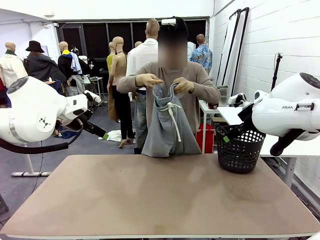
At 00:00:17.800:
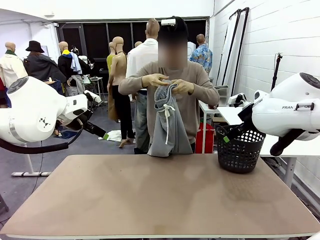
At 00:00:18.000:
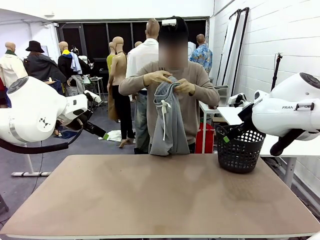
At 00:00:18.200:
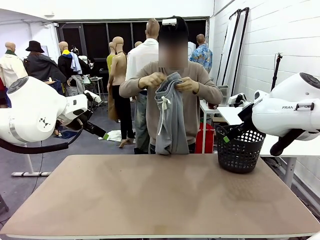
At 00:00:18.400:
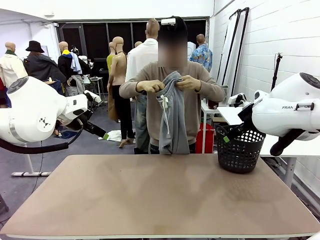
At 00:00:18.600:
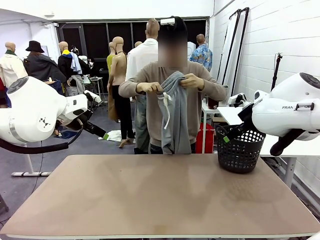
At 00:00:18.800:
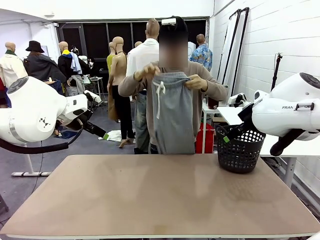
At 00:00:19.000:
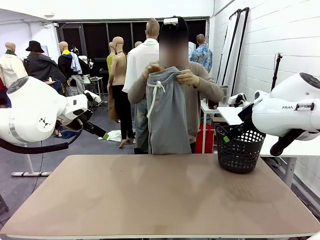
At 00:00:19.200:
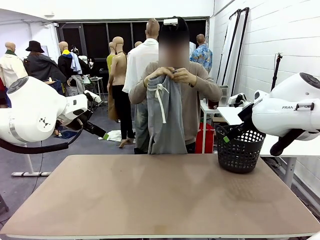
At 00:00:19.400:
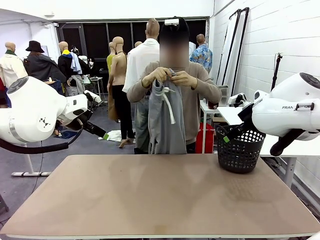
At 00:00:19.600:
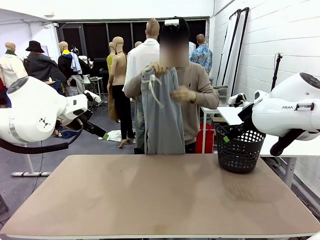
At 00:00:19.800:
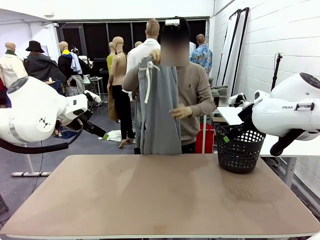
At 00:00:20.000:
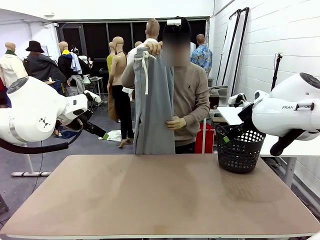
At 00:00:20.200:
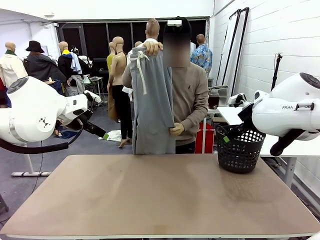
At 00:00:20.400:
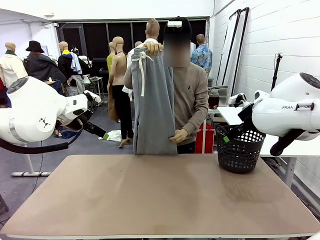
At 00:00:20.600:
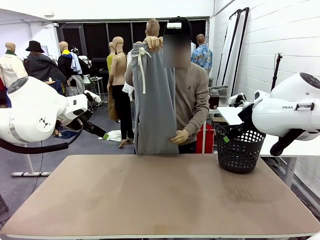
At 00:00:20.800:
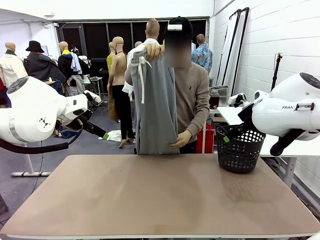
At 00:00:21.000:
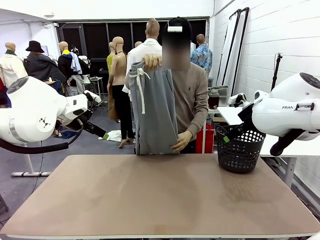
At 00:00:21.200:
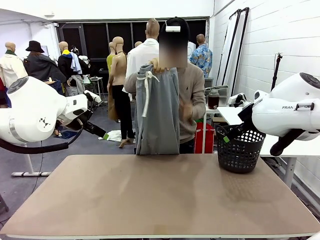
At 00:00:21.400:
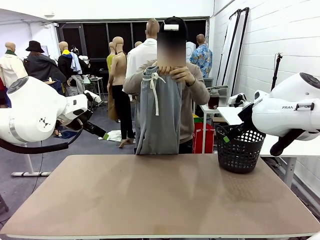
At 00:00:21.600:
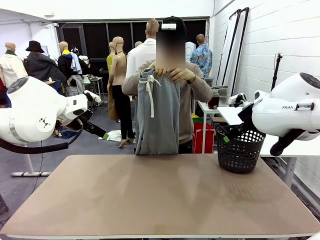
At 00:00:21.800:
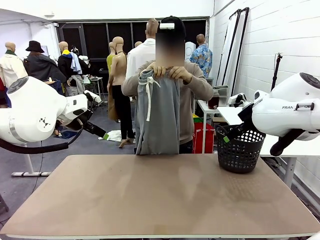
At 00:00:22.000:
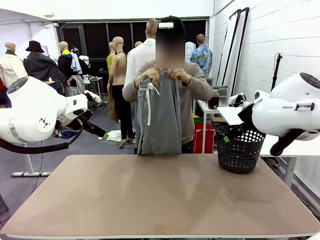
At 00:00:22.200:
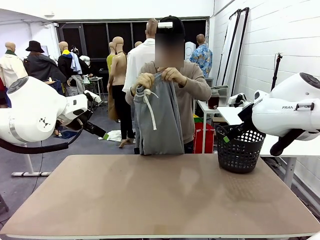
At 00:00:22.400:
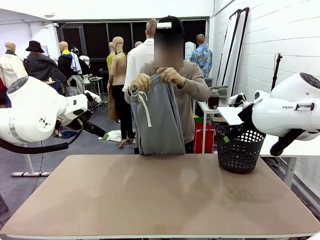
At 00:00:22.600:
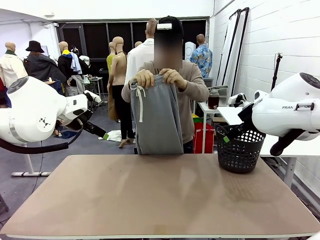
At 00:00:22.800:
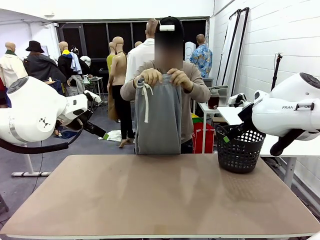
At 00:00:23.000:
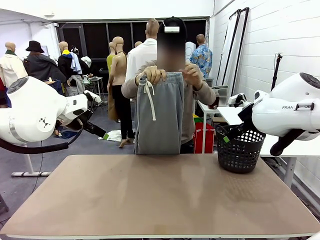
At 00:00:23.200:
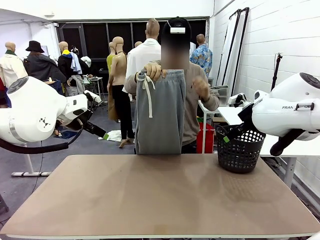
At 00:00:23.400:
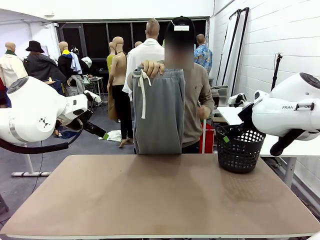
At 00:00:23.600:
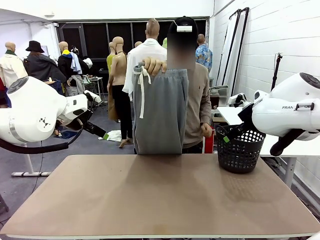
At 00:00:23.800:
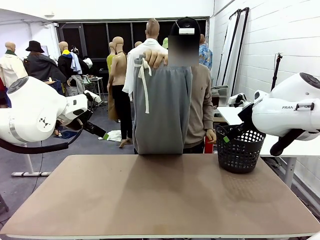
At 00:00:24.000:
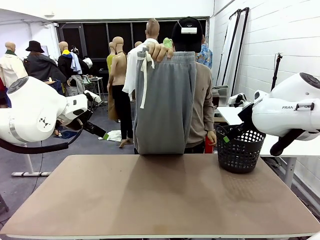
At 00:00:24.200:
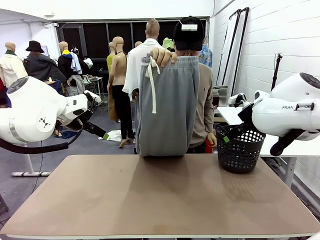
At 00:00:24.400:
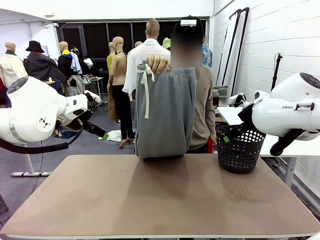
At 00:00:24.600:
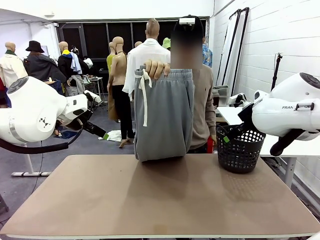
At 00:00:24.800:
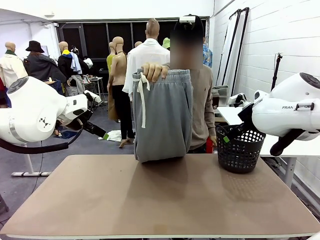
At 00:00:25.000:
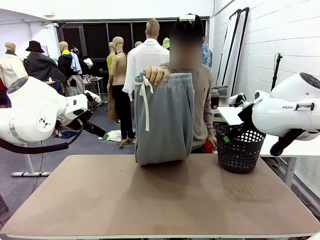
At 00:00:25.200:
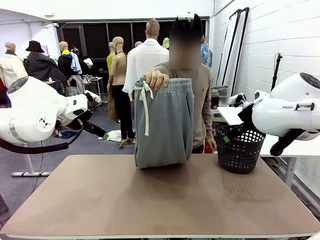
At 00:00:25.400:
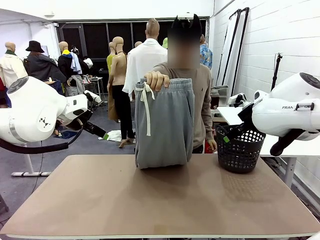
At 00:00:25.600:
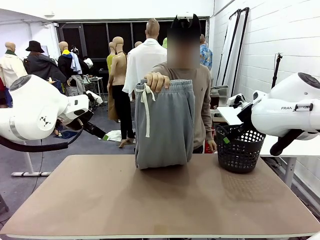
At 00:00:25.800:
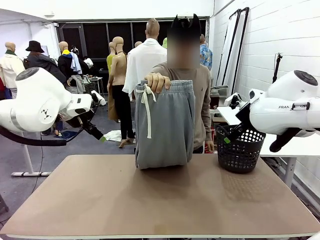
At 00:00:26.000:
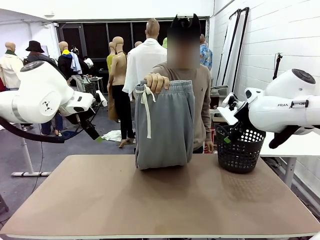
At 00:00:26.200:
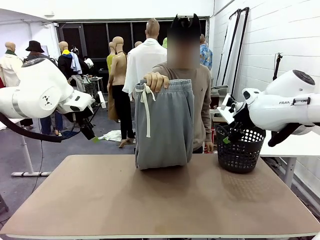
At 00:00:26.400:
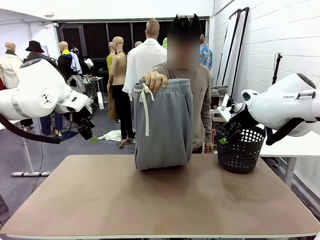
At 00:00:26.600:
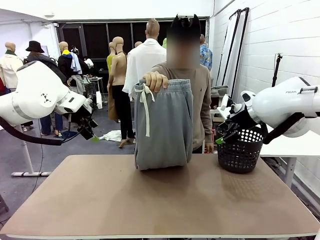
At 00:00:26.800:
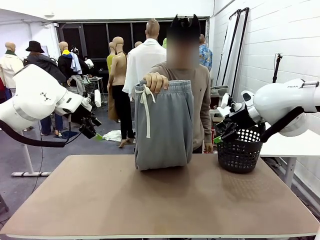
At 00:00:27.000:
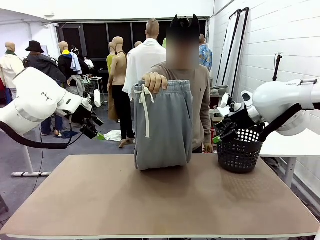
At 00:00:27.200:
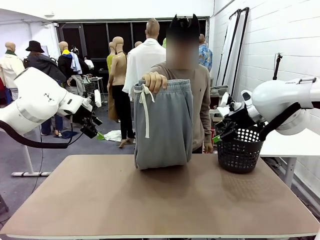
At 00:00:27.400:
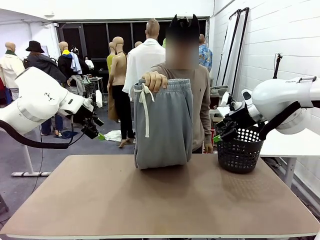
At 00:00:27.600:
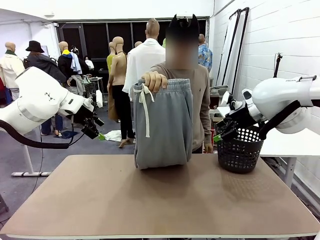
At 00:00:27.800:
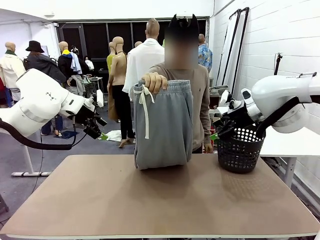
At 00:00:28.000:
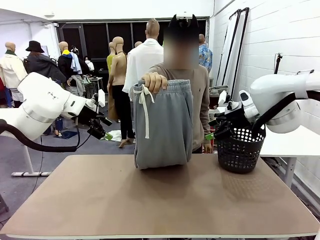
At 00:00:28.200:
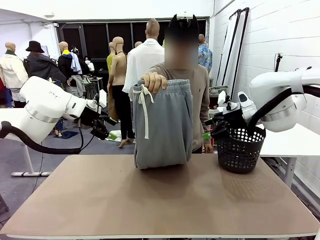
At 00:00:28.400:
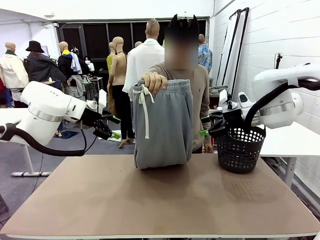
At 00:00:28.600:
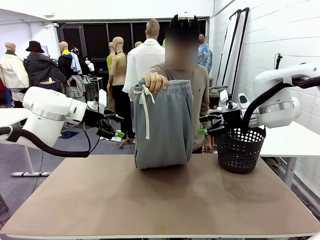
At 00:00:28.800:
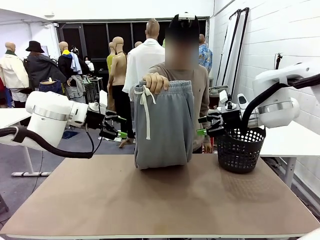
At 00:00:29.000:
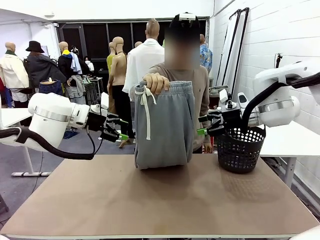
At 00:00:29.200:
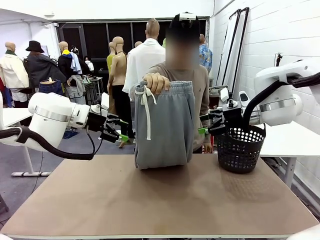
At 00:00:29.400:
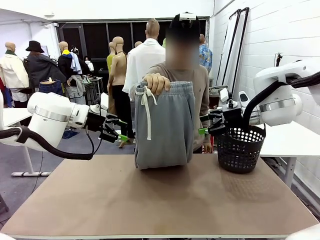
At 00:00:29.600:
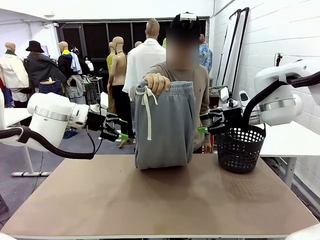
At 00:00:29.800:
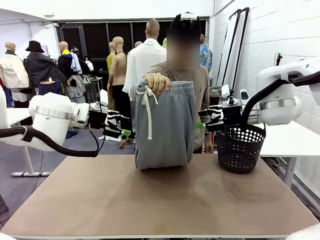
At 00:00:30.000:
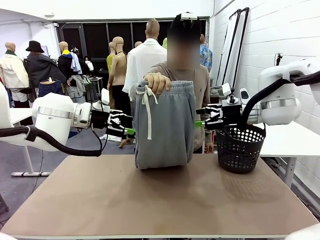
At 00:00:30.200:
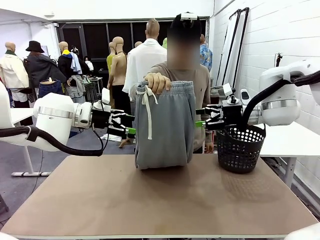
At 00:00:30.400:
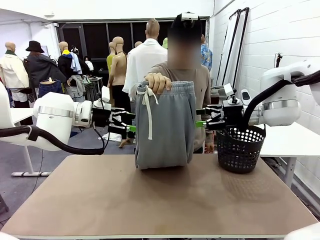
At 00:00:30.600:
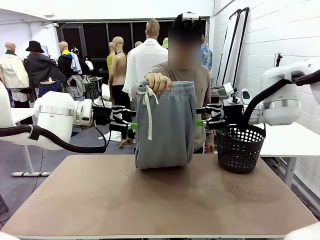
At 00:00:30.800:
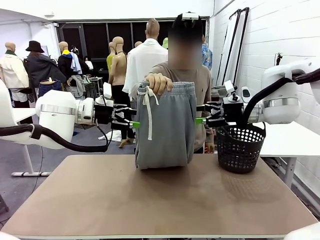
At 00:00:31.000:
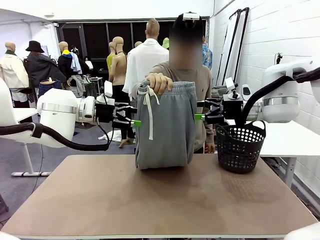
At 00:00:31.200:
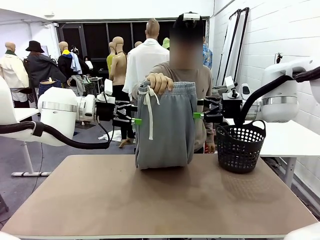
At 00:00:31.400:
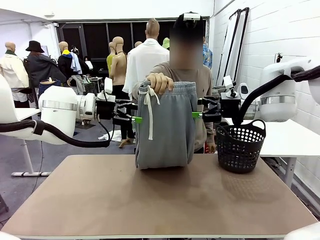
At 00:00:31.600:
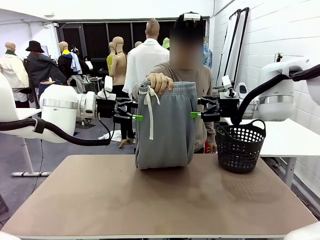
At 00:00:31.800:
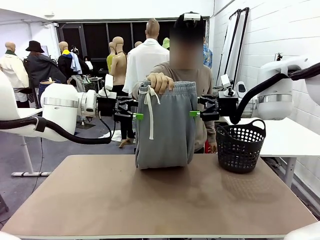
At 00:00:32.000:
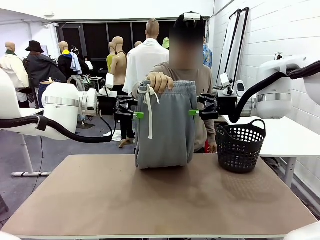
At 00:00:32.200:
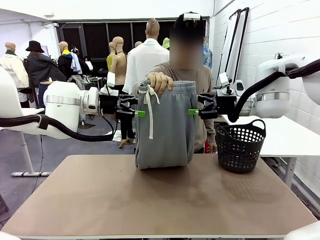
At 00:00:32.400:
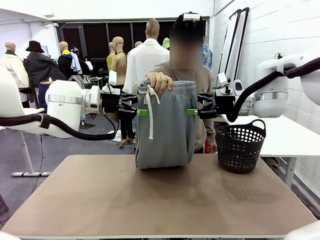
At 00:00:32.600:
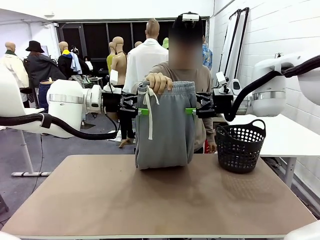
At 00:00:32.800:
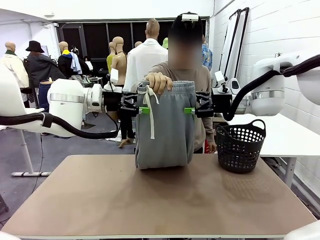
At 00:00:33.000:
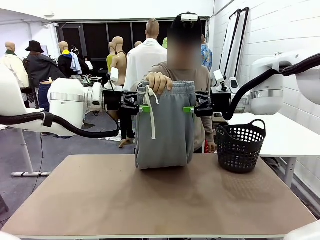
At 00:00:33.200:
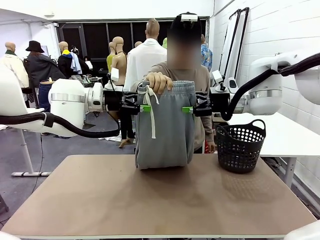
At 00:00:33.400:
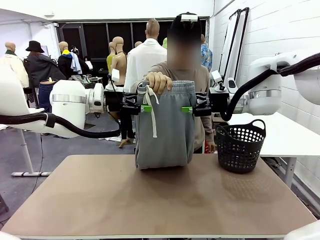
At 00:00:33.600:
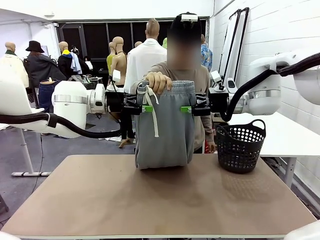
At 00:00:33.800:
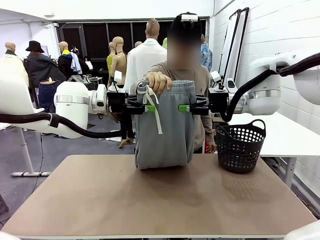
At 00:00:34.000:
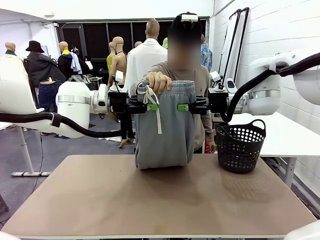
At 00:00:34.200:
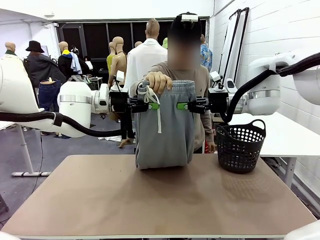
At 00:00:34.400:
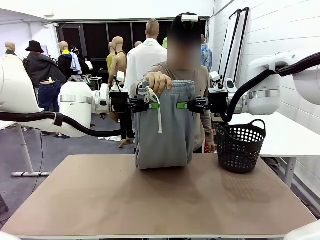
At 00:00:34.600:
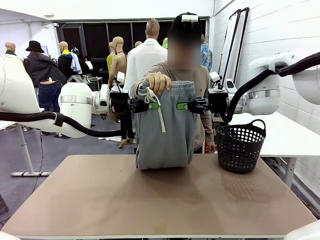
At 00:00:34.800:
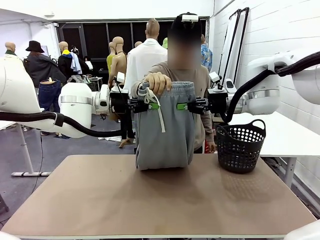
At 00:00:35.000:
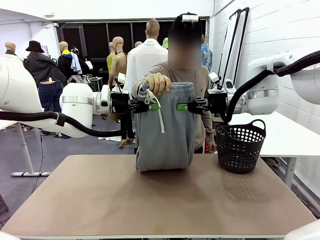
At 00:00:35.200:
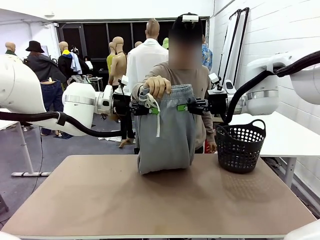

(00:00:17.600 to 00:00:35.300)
Task: Fold the training pants.
Robot: Grab both ends of the Training pants handed by a person.
